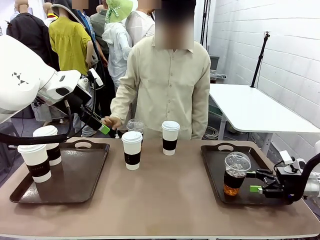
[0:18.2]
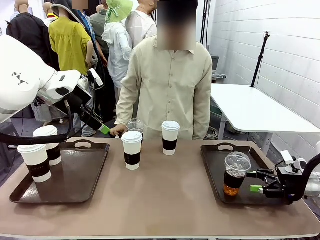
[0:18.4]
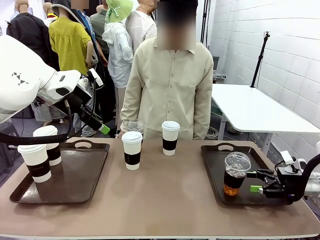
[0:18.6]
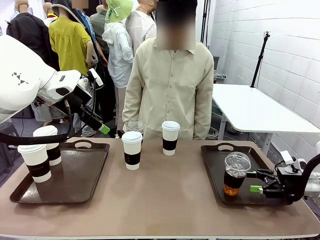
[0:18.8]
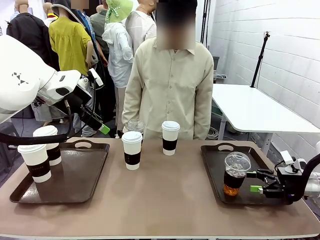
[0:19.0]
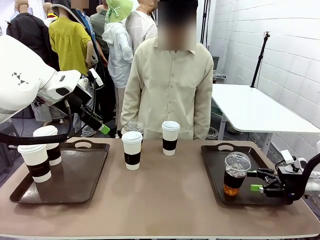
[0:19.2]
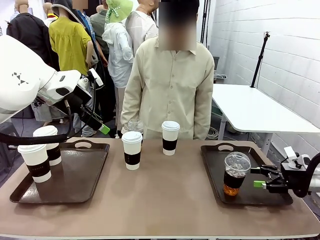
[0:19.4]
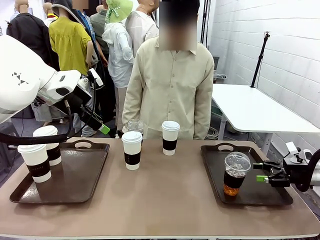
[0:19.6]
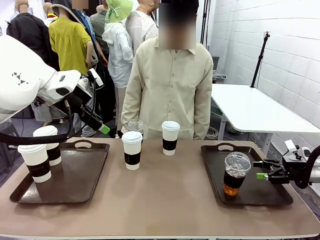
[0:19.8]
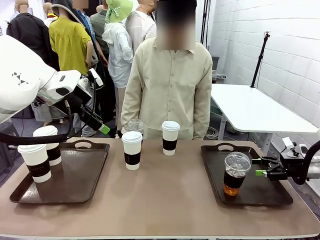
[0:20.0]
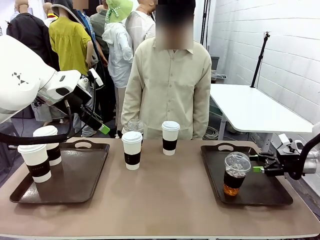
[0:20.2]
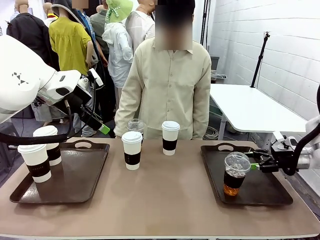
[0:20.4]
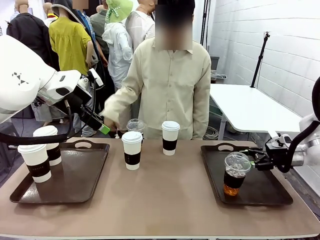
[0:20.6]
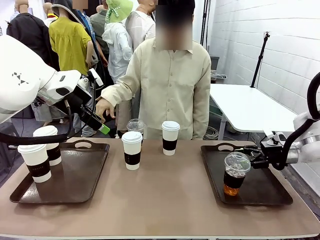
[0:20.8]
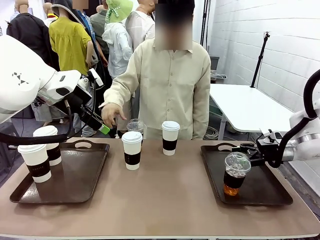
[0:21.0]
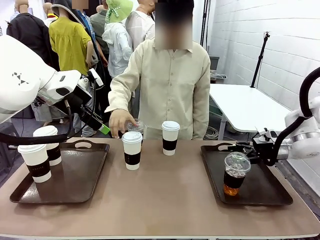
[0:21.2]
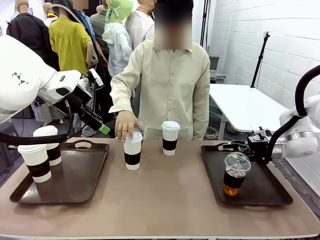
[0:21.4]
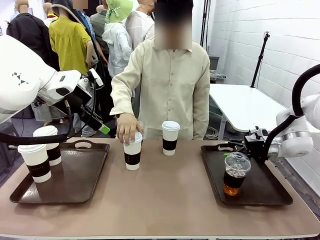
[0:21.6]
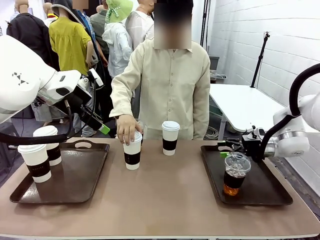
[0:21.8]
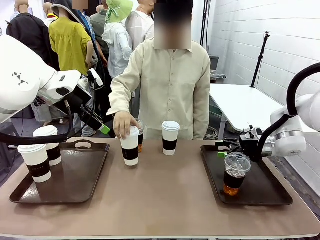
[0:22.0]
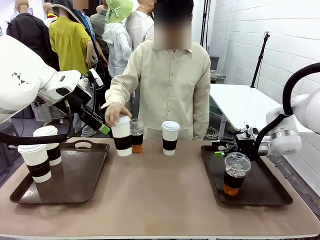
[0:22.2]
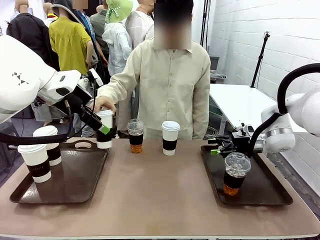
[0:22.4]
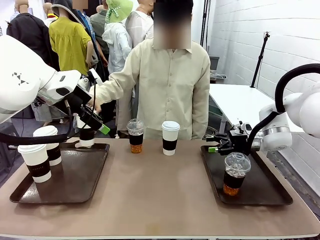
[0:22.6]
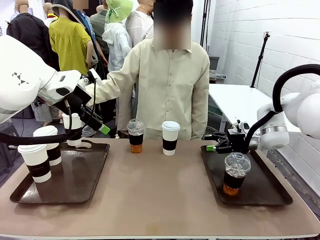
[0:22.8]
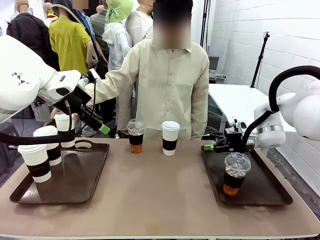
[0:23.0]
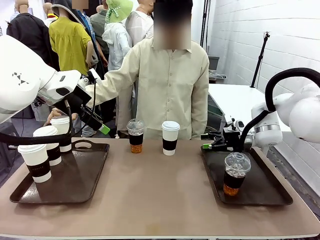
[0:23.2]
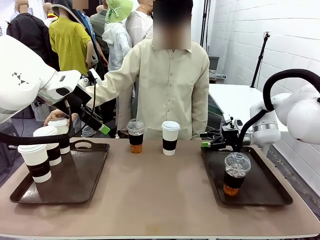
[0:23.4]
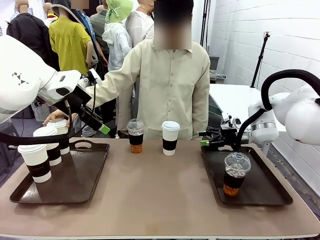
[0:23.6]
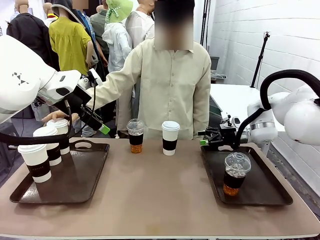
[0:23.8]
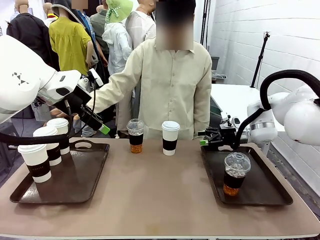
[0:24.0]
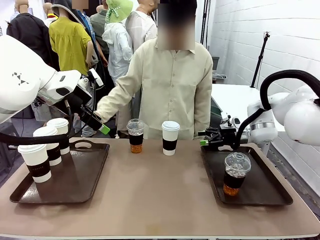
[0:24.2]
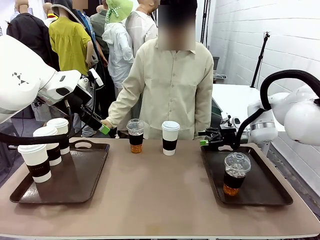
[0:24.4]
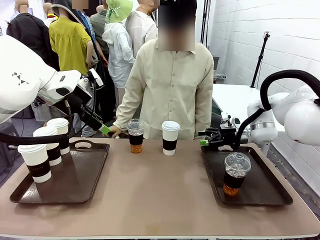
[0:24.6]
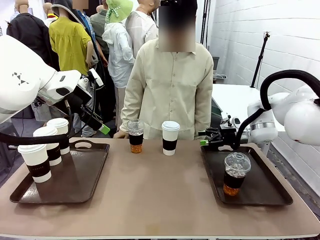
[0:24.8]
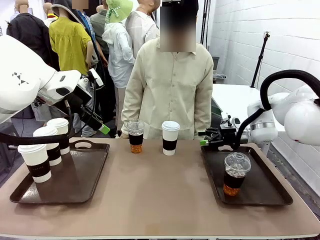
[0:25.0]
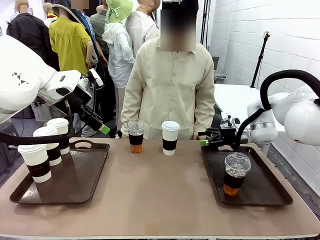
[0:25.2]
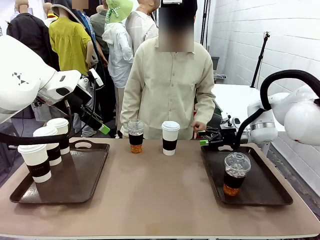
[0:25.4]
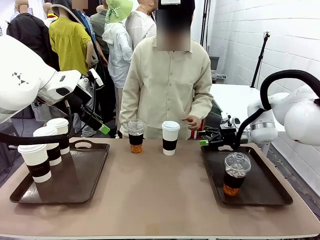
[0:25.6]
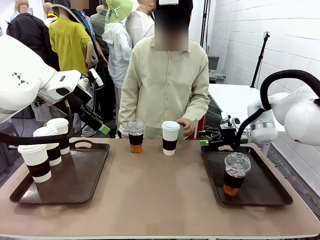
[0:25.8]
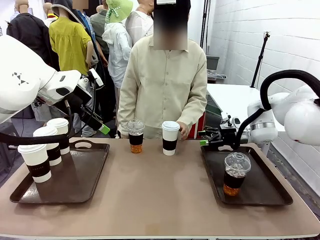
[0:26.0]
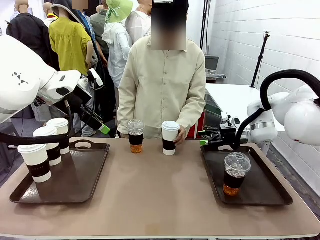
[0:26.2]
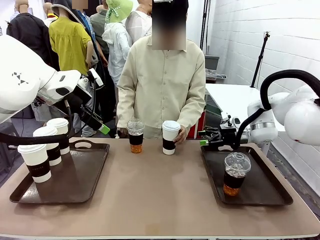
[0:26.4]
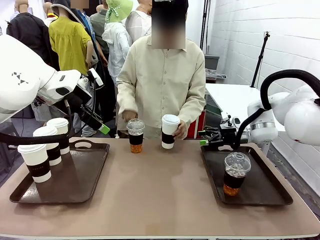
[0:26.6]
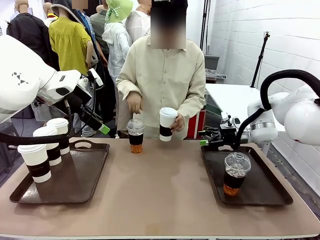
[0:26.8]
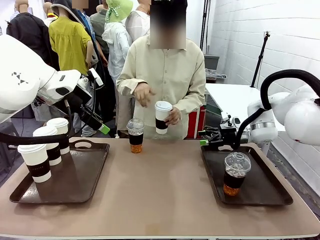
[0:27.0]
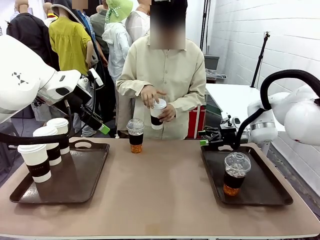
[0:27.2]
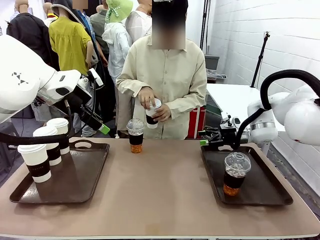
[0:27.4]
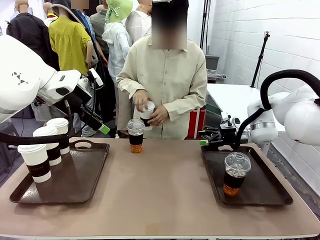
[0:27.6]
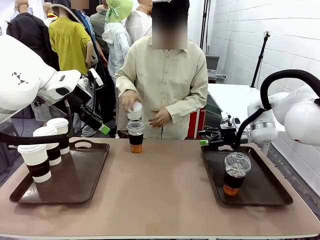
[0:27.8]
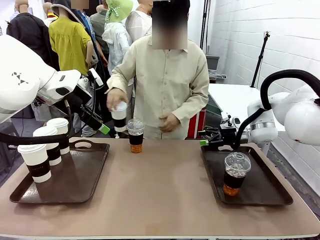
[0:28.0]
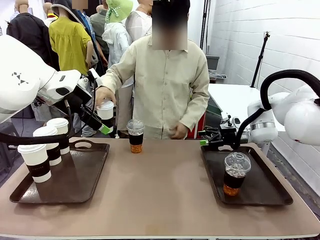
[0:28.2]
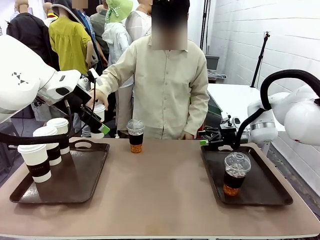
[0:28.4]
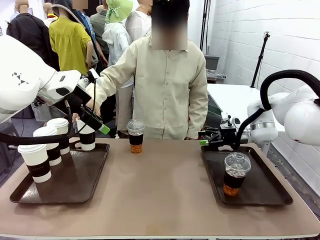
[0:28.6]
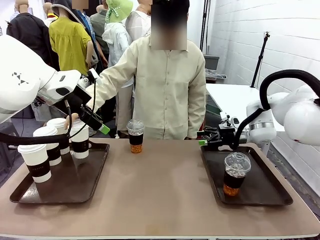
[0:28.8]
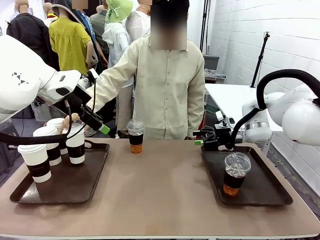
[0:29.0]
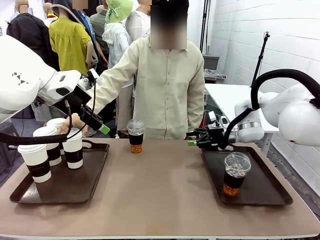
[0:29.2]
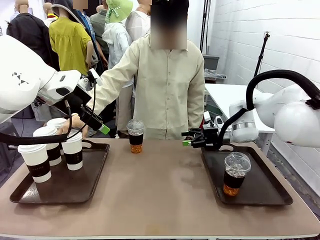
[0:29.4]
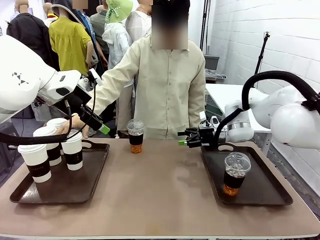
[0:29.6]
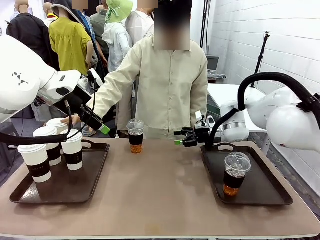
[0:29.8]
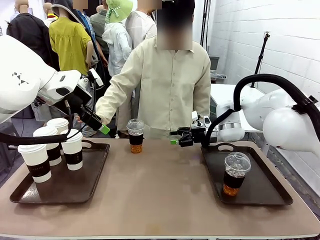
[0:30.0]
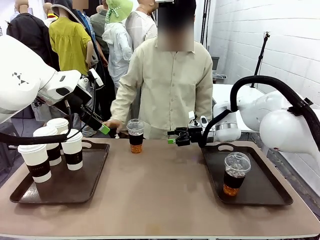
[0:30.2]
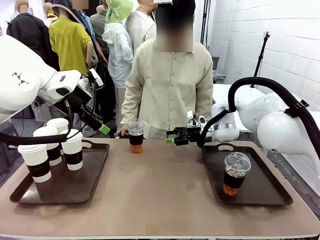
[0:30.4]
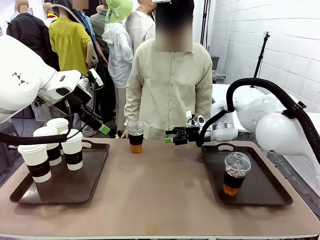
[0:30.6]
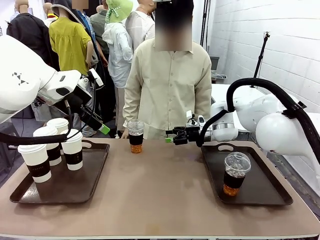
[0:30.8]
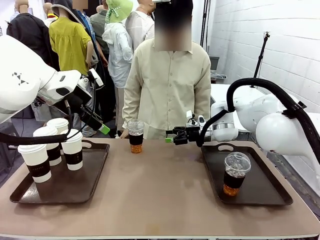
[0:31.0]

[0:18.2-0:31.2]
Task: Distribute the coffee onto the tray.
Robot: Pick up another iced Americano from the middle of the table and place it on the right Handle tray.
